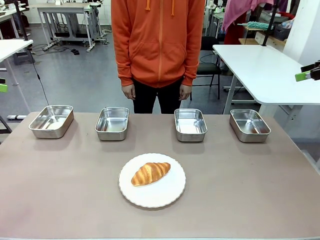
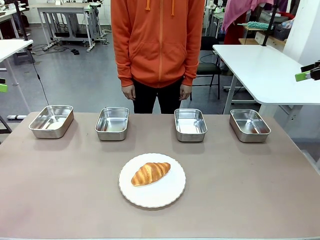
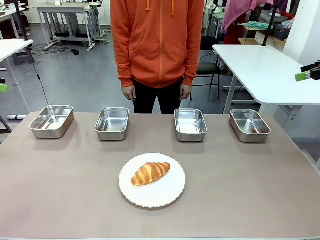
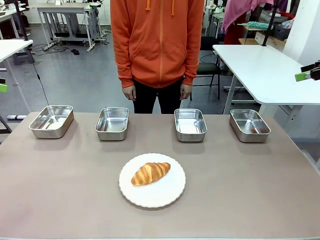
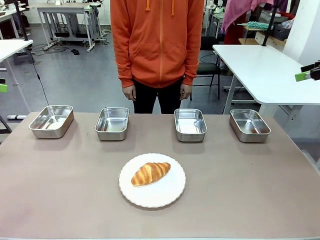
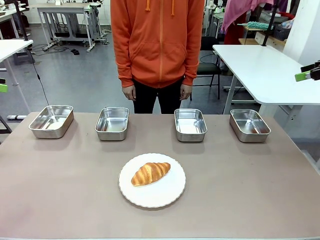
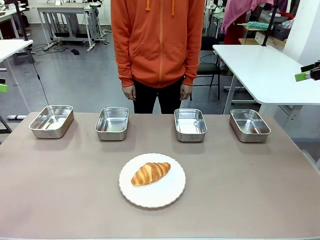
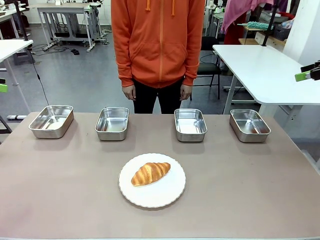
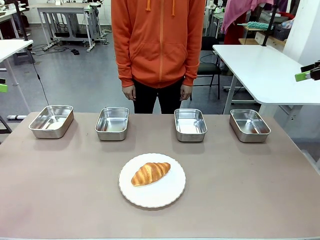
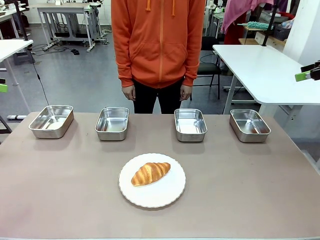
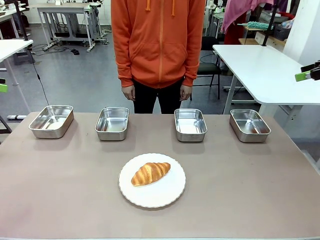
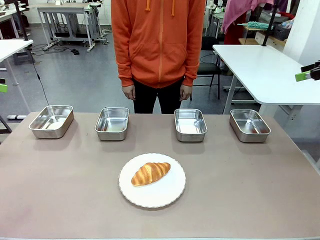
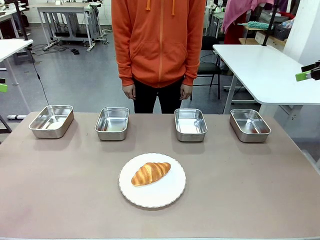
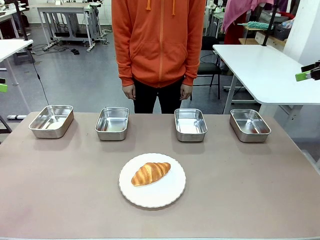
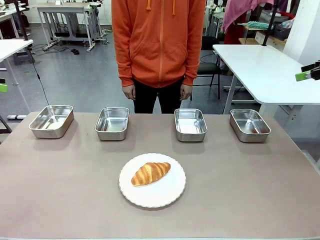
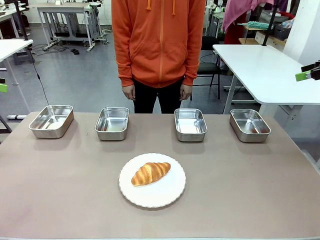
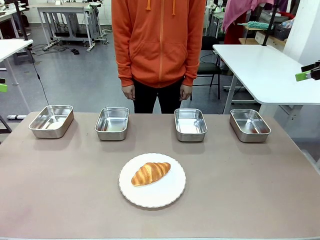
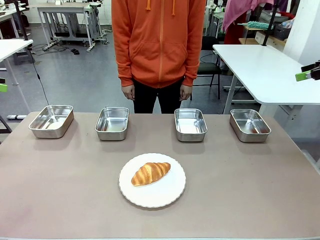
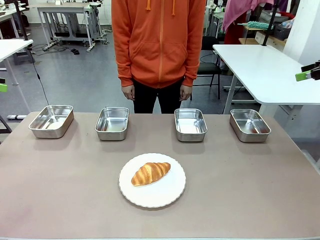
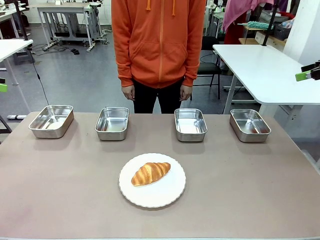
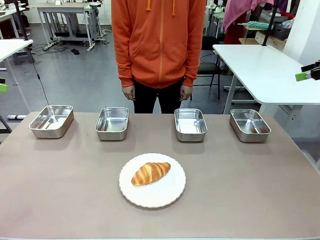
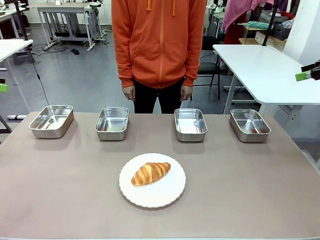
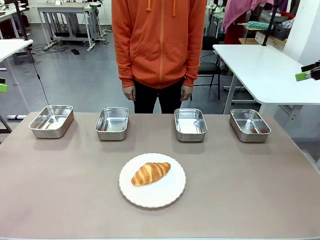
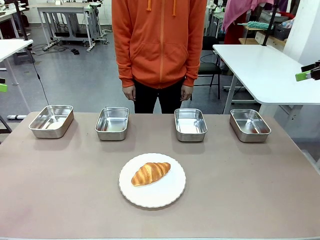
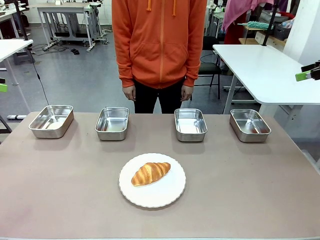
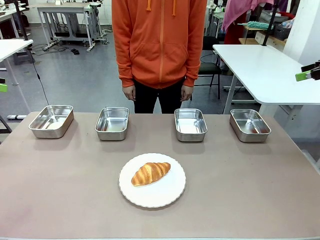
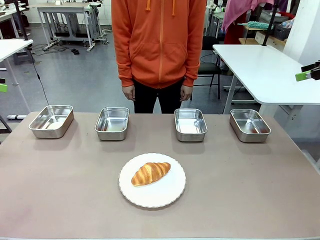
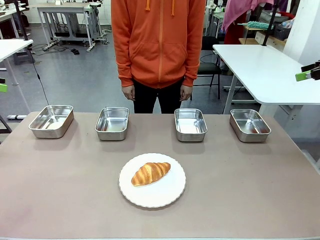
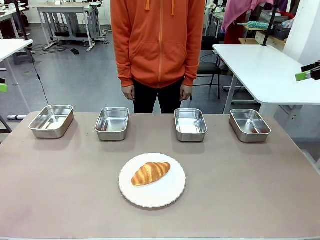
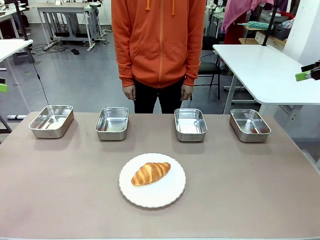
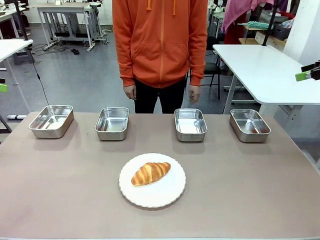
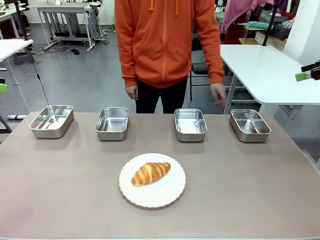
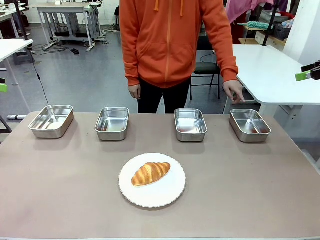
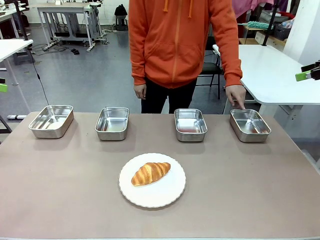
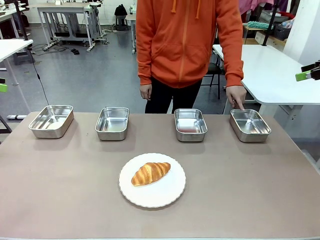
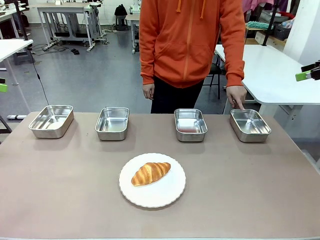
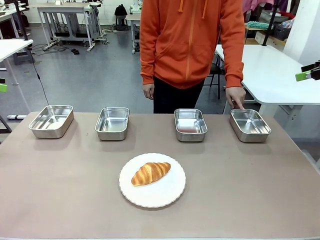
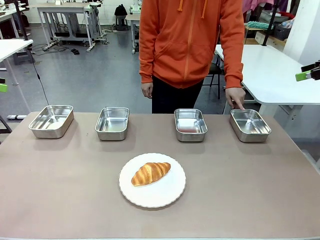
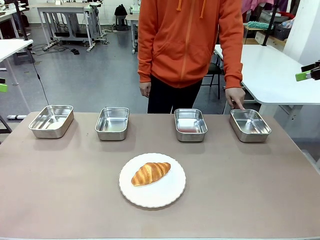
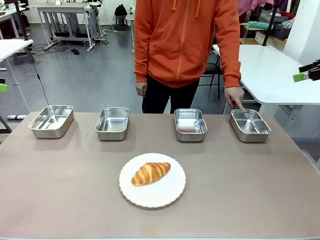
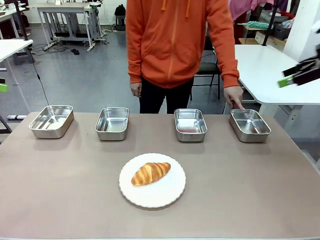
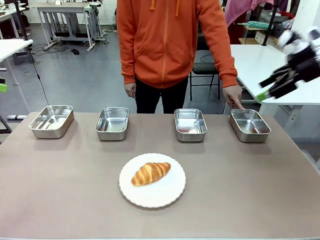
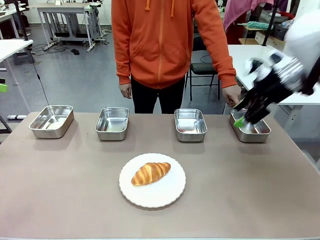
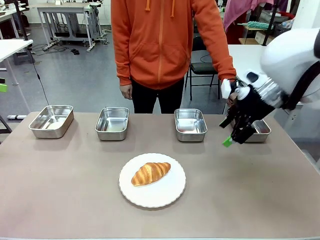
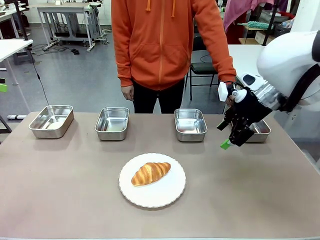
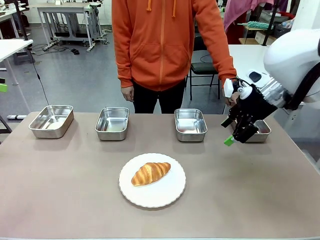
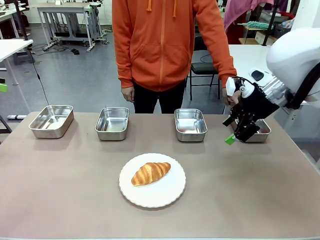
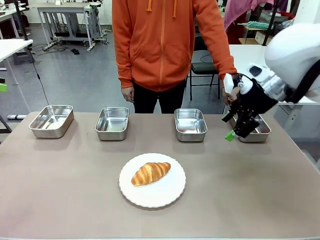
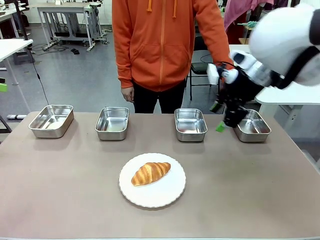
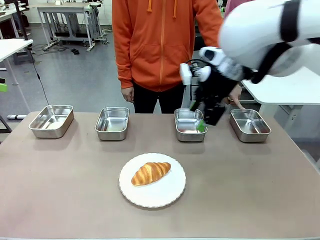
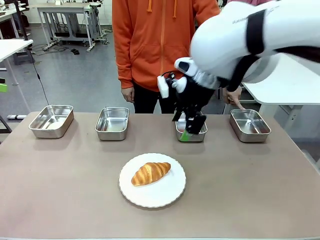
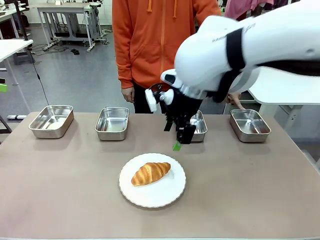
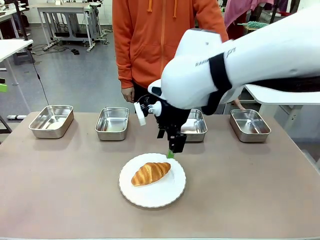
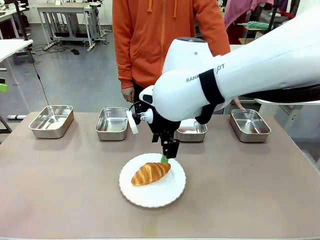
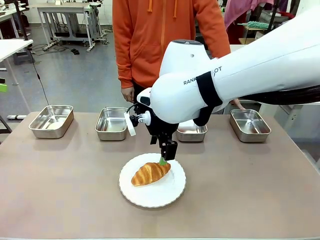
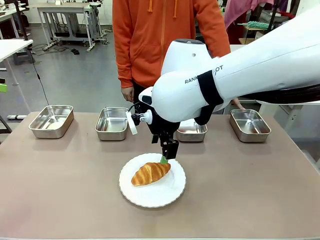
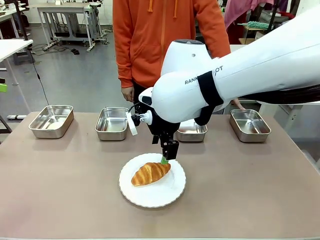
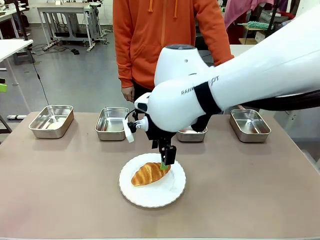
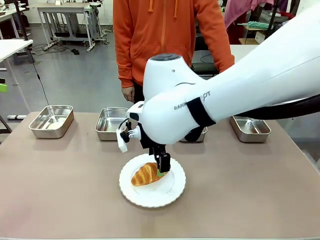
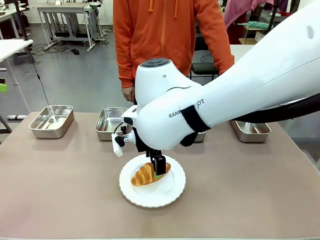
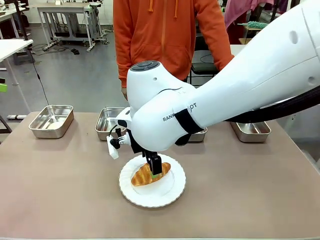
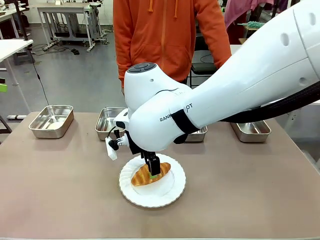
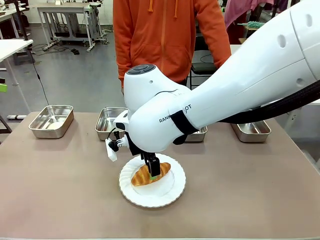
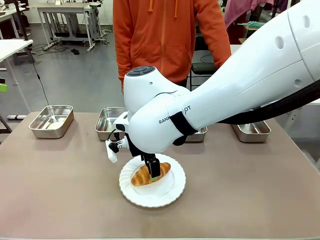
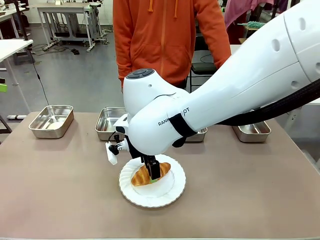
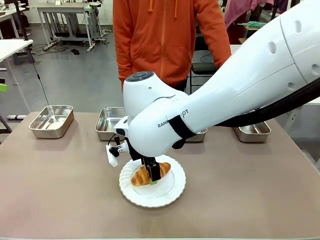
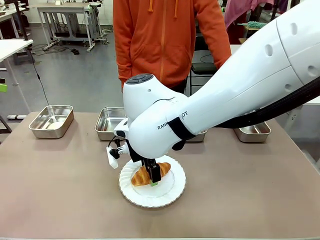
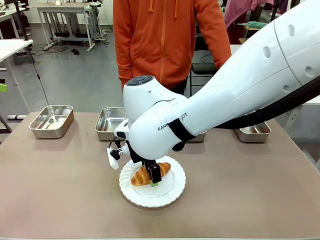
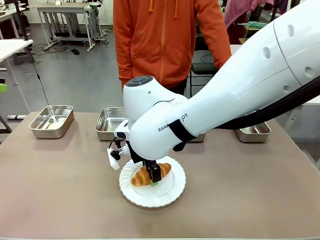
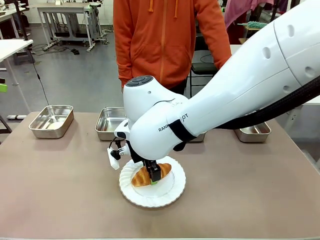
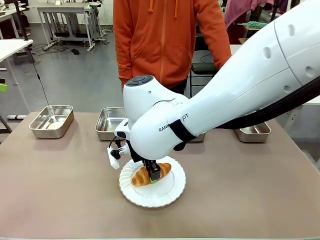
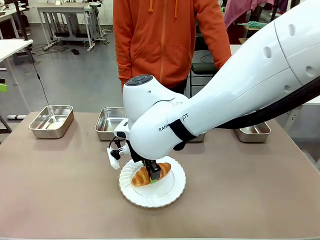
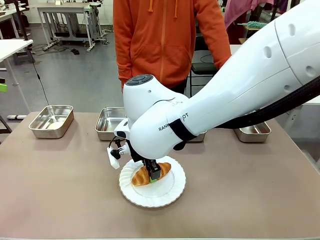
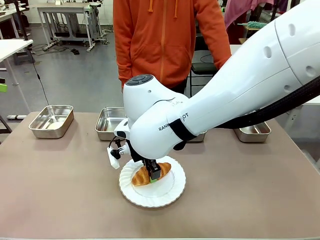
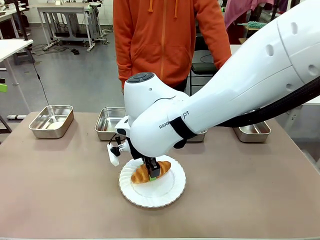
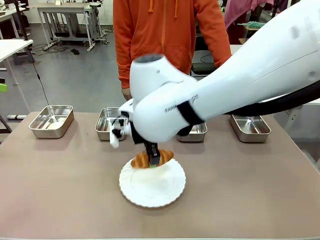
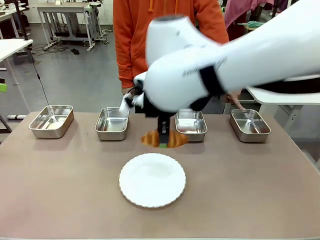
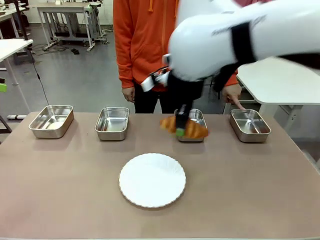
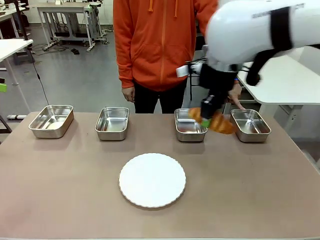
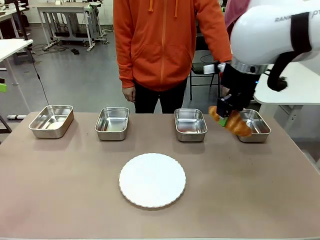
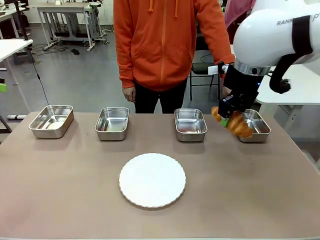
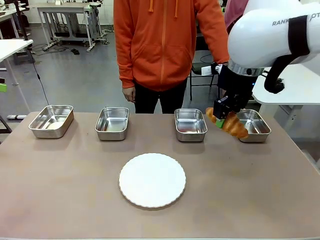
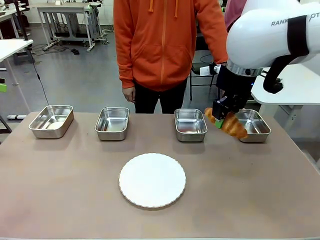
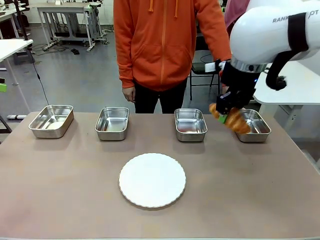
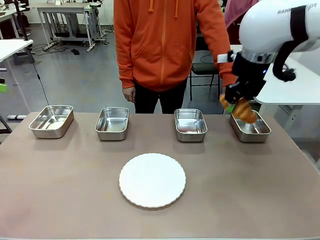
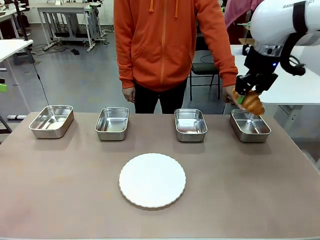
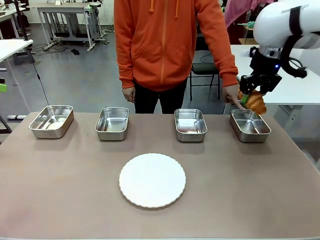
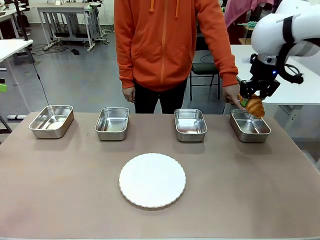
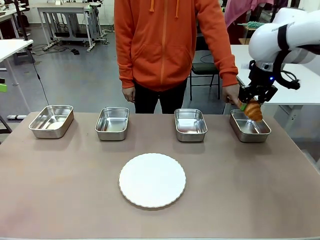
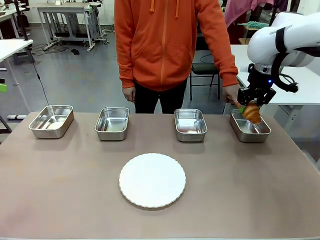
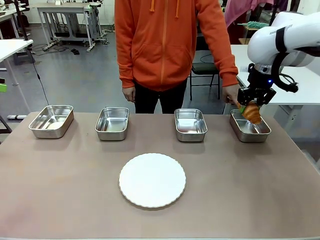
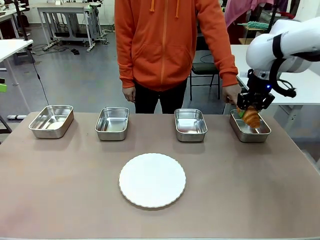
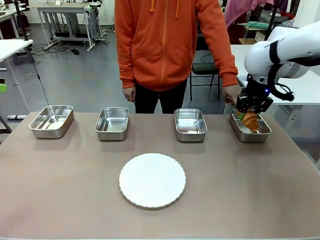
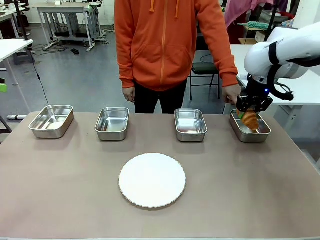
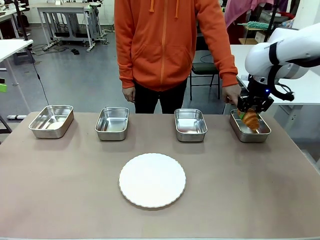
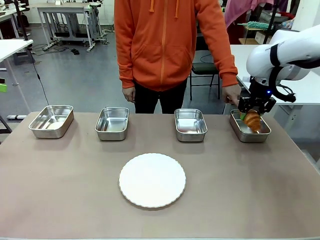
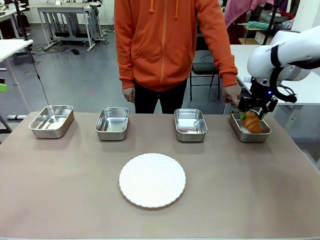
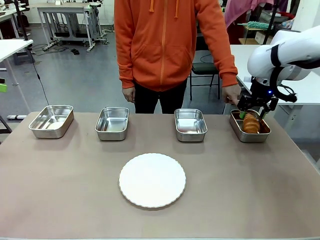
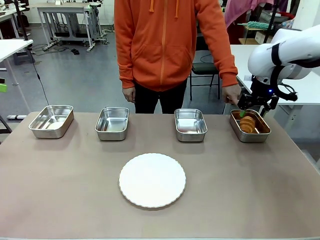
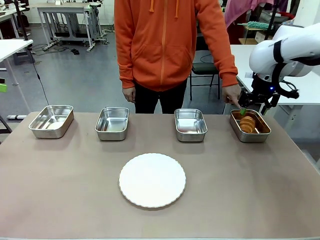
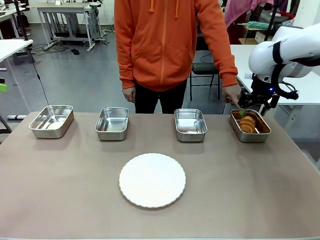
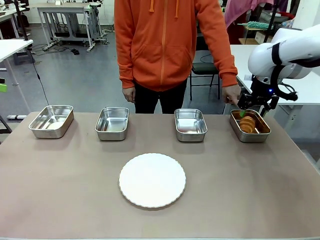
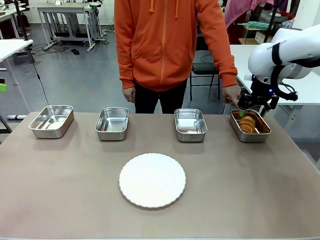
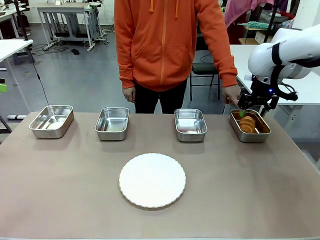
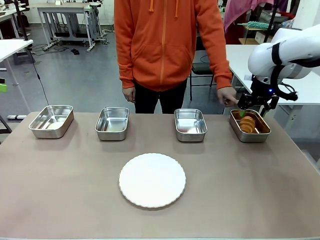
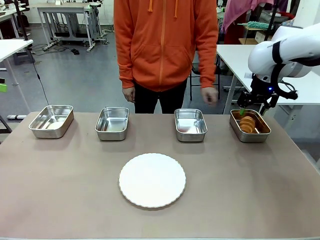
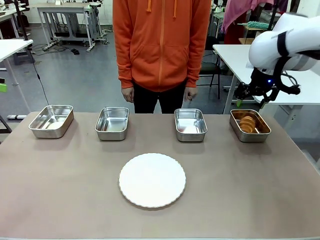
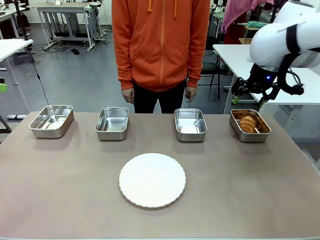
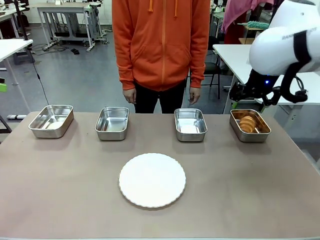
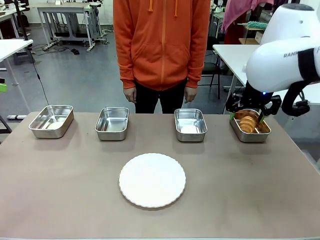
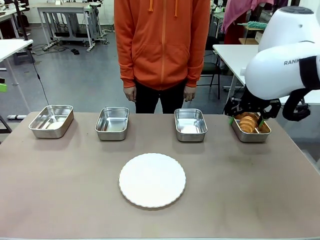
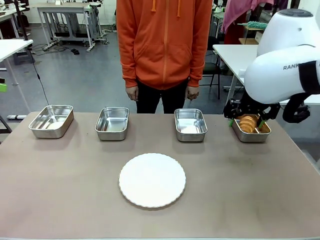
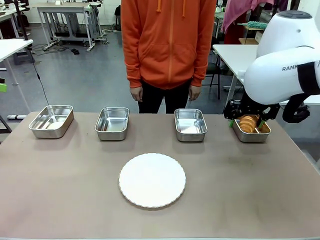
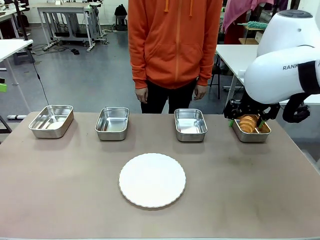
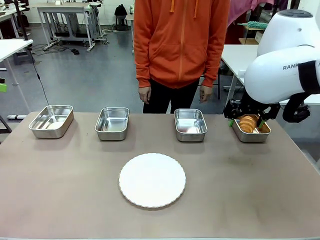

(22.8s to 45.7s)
Task: Place the bread in the container.
Robot: Place the Butter Roll into the Airtight Container indicated by the human.
Person: A person randomly selects and points to an Airtight Container.
